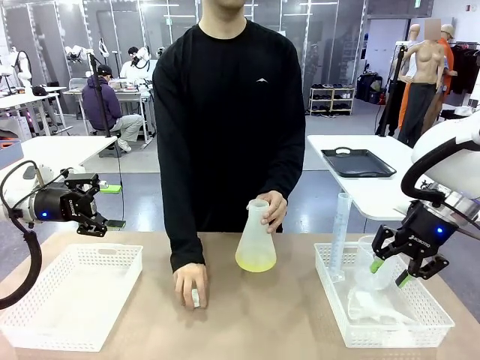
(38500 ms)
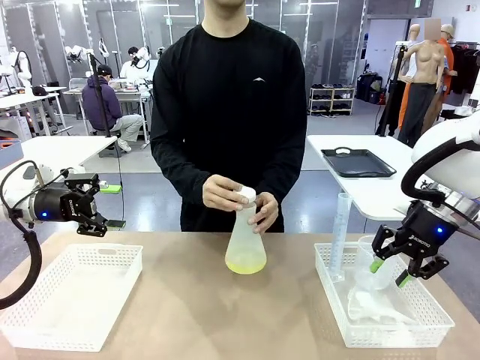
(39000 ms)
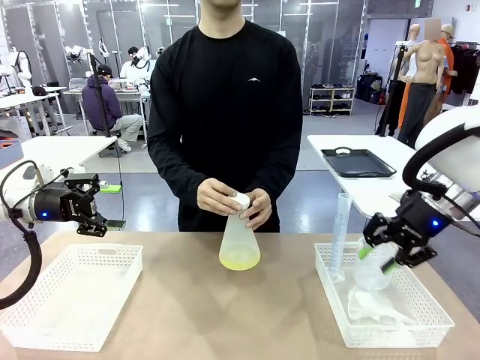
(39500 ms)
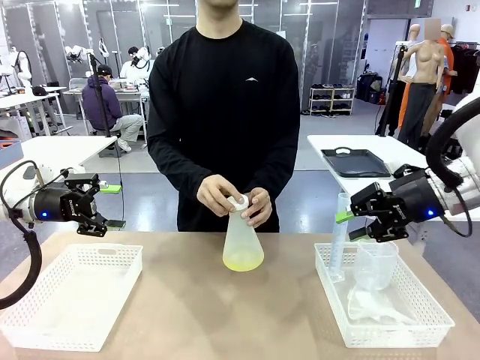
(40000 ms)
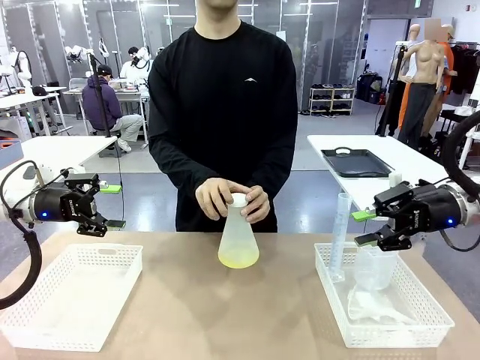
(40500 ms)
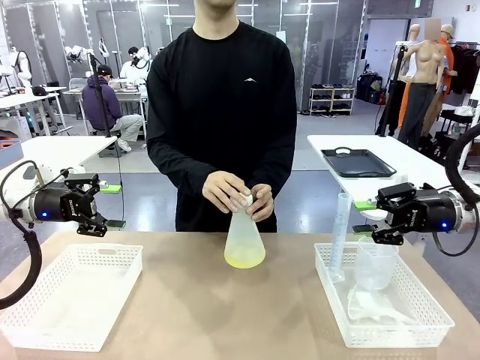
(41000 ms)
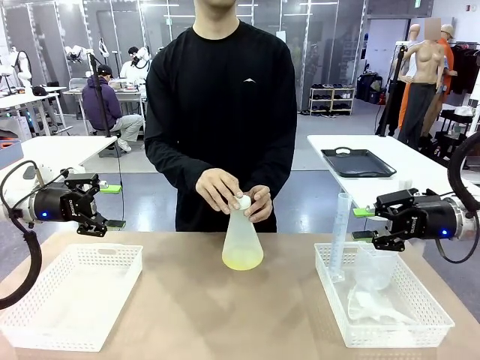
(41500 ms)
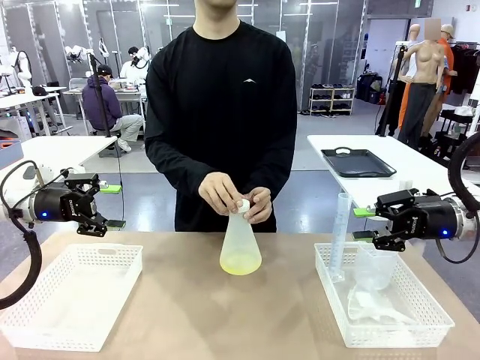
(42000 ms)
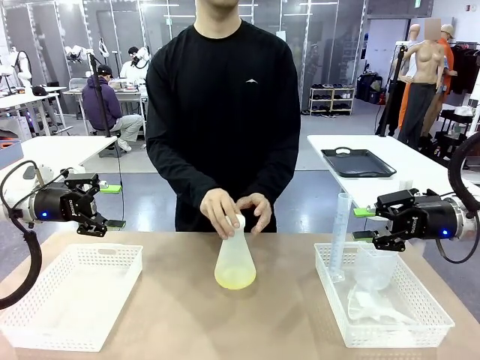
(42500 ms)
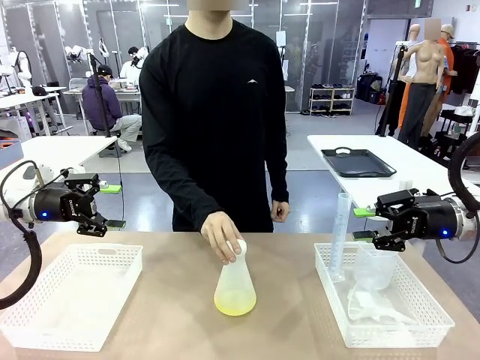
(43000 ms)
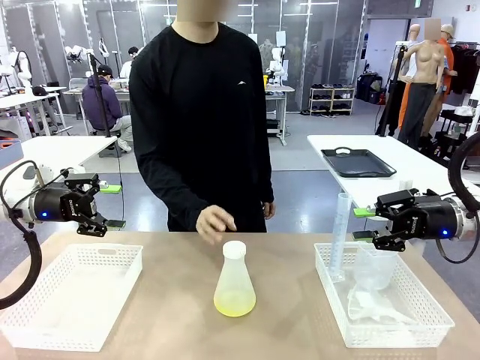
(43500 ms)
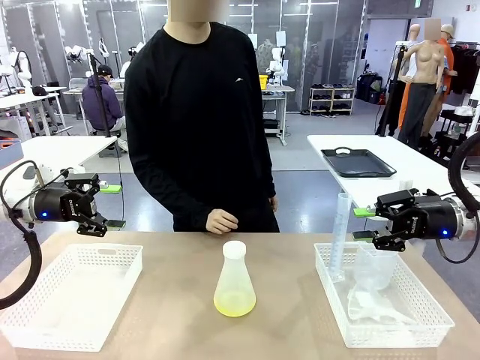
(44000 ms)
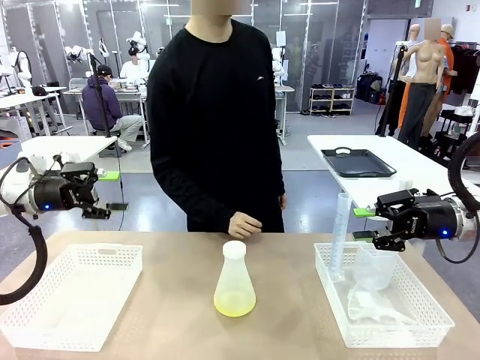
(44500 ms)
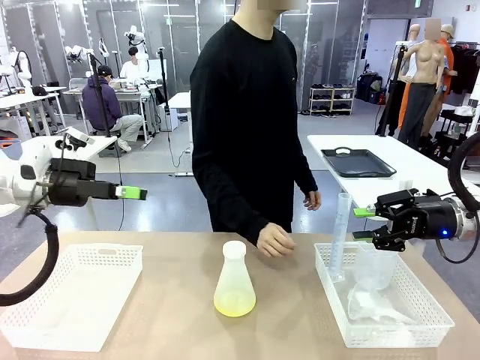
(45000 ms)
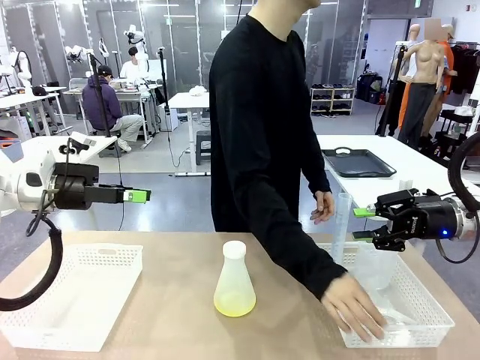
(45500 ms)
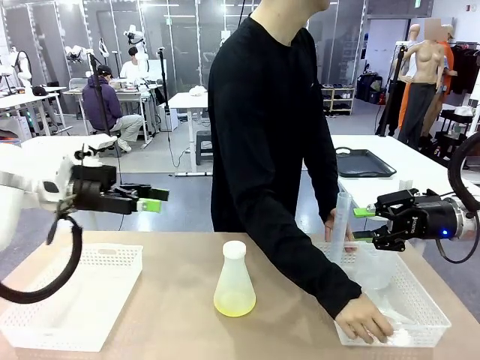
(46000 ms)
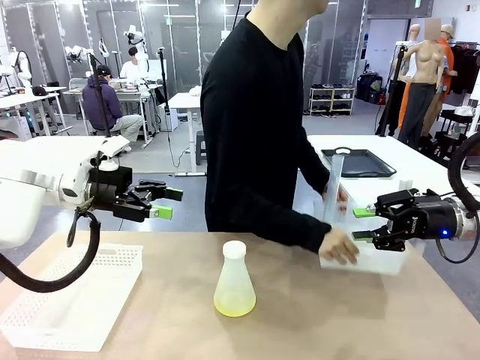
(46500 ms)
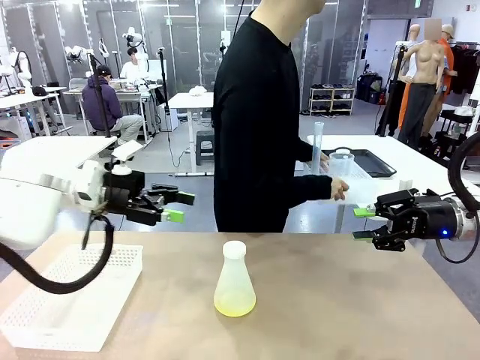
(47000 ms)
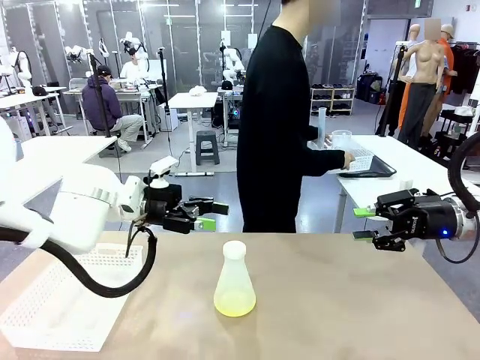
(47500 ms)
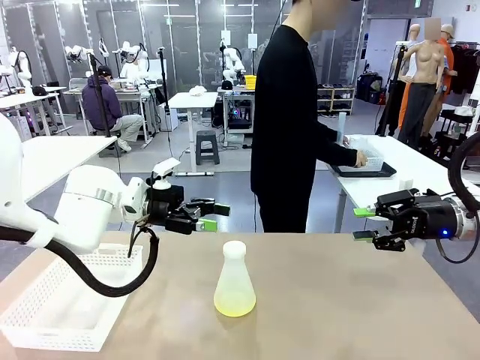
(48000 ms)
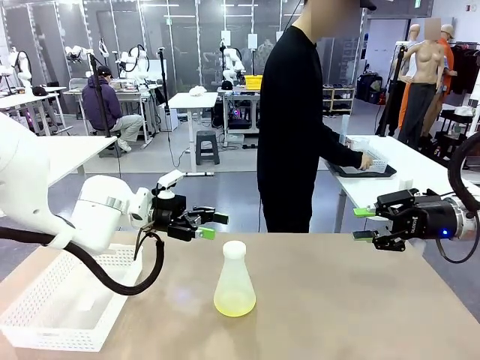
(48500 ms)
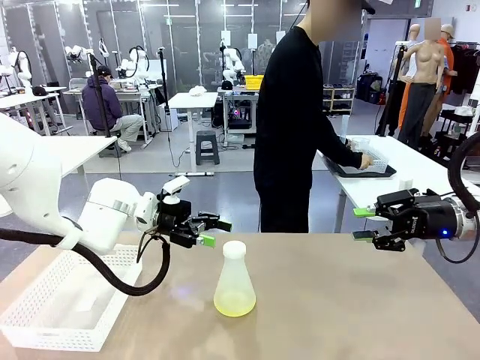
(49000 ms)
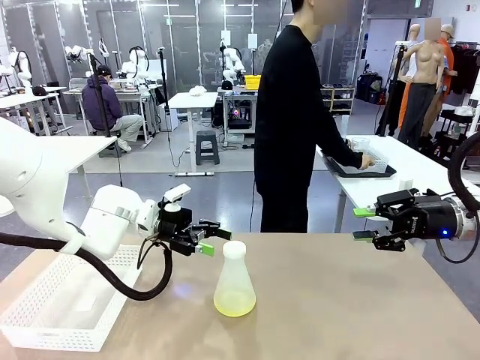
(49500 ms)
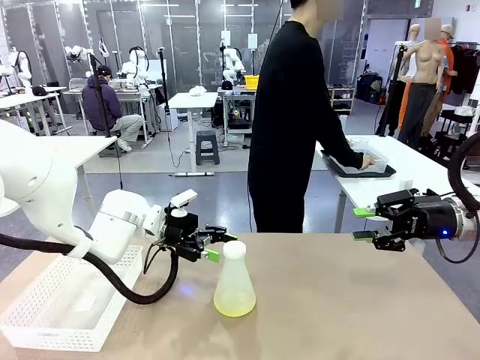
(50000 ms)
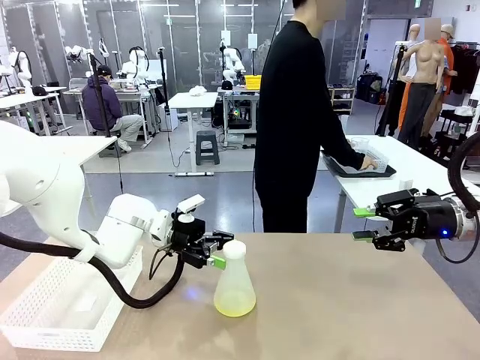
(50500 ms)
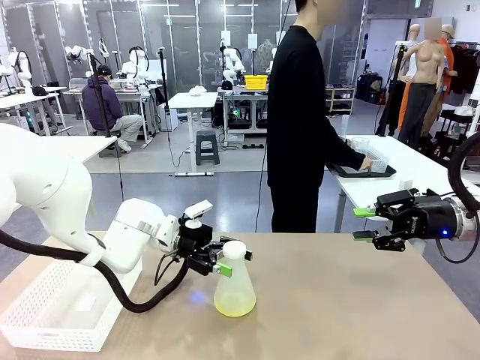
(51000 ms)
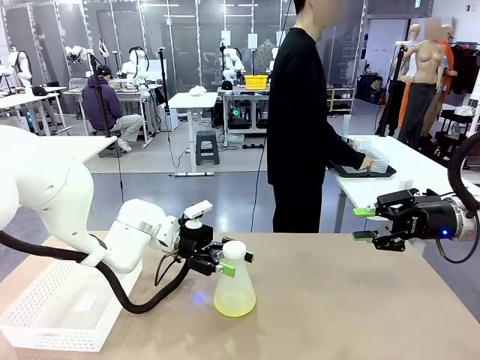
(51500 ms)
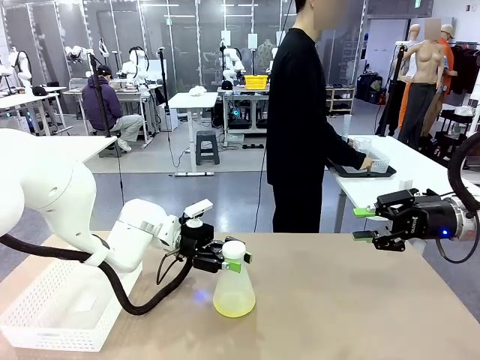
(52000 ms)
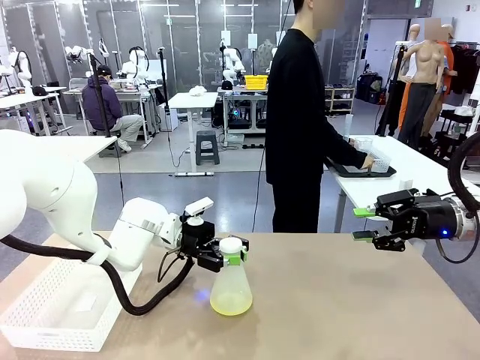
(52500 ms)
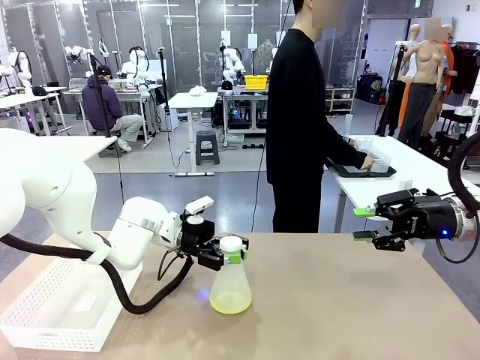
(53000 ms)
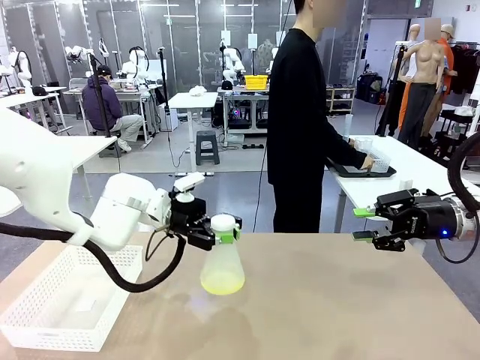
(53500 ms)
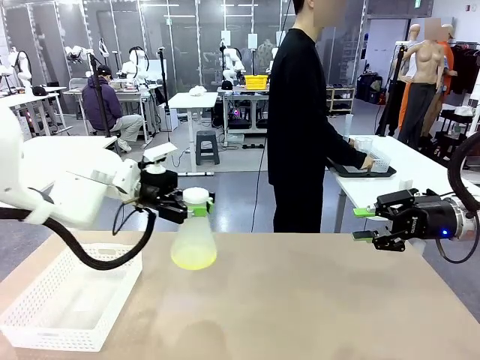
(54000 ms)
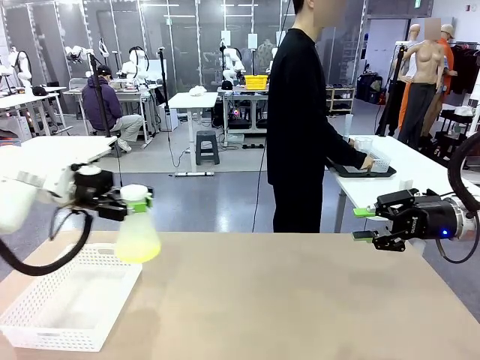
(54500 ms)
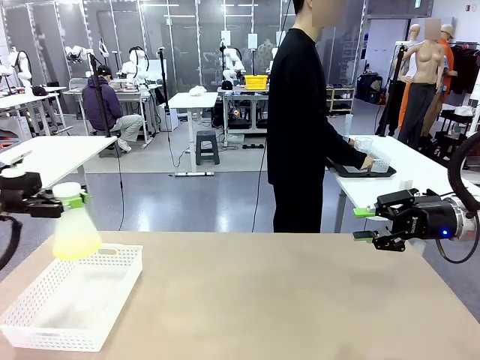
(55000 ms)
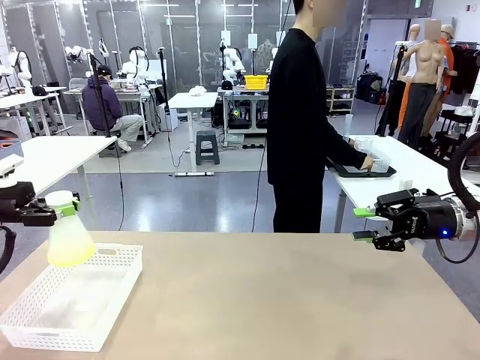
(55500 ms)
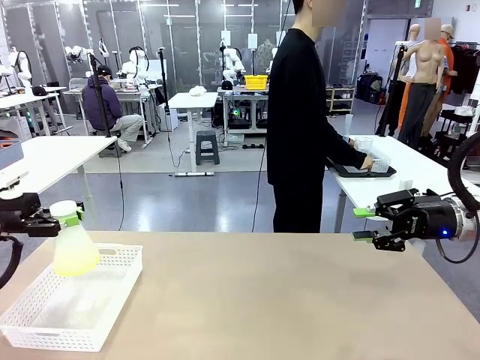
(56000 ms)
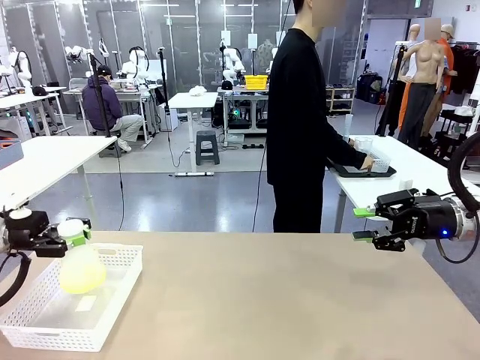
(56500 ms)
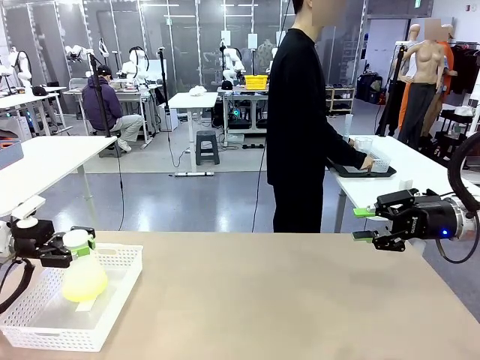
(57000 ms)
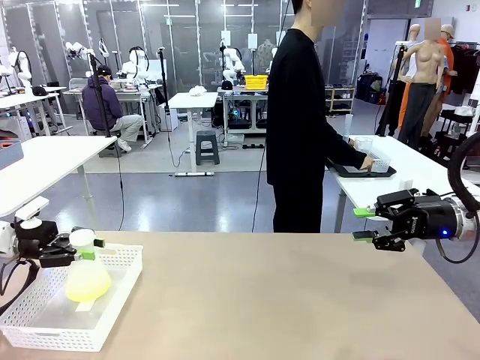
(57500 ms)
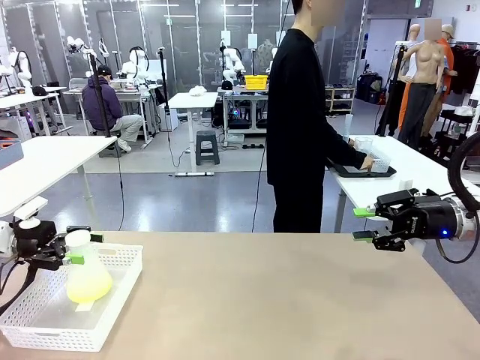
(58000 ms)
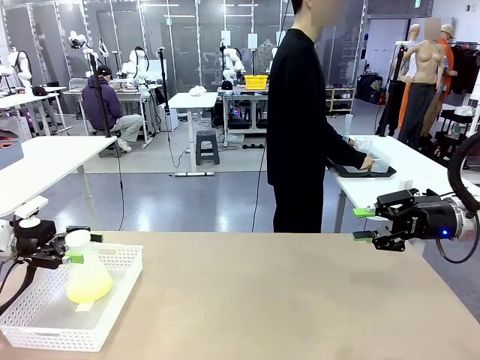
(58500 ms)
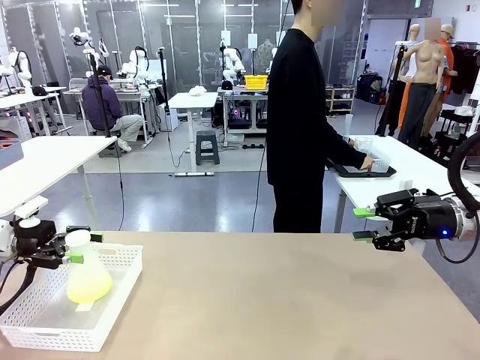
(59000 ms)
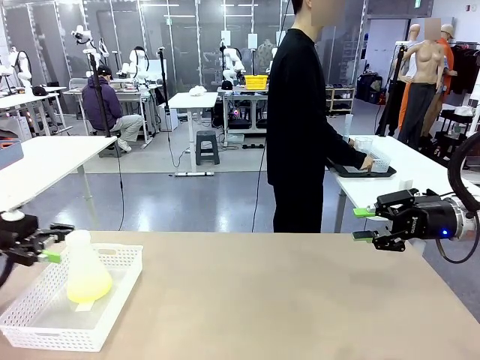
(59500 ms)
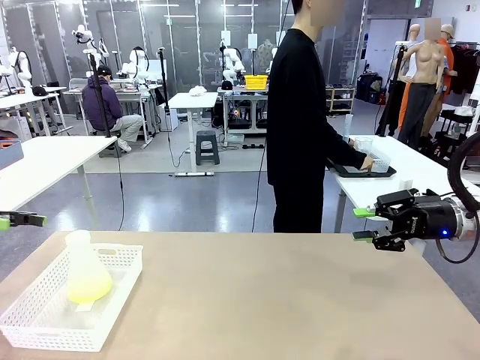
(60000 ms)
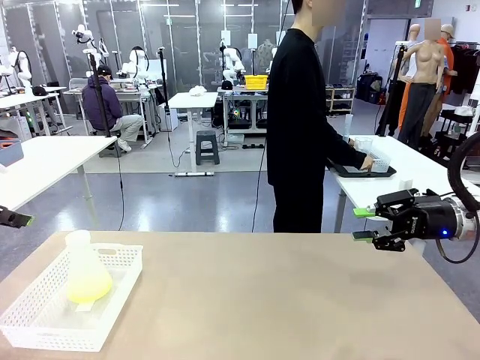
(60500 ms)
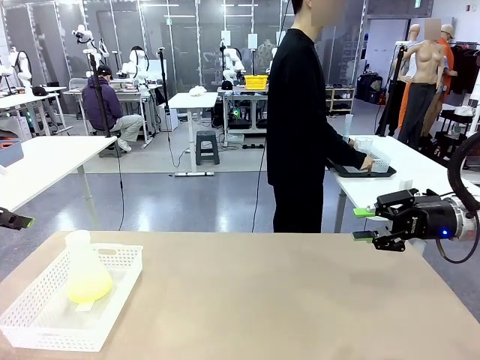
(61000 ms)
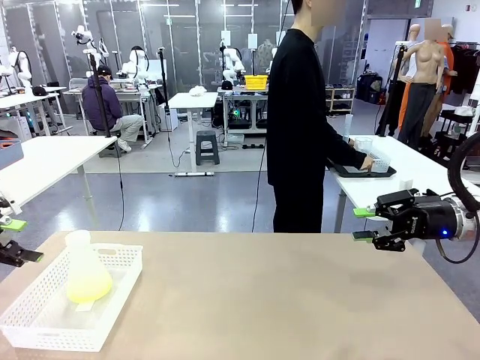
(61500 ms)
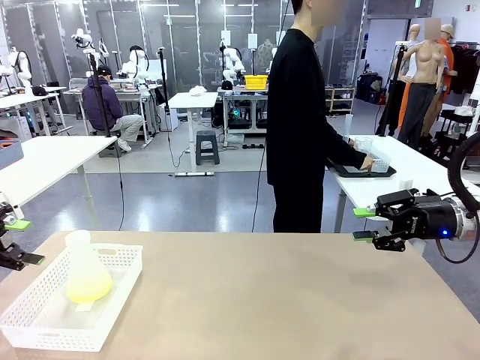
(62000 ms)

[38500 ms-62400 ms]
Task: Prepare the solutions needed for the experiment.
Robot: When the human places the Big flask in the center of the table, pick up the Big flask and place it in the left Organizing basket.
Person: Pick up the organizing basket on the left side of the robot table and place it on the left side of the human table.

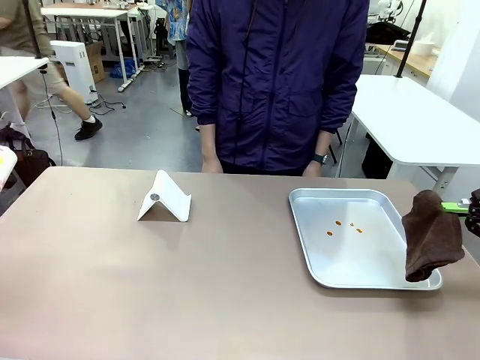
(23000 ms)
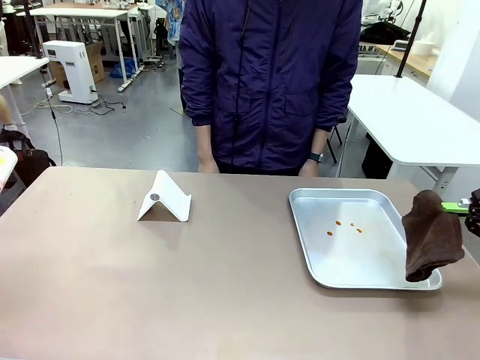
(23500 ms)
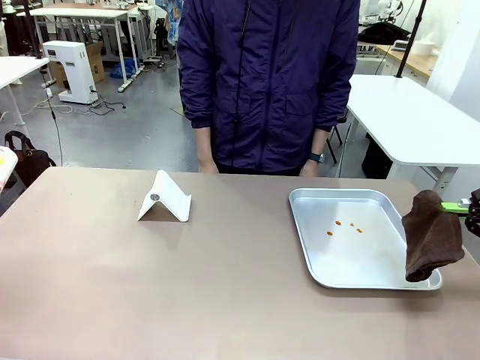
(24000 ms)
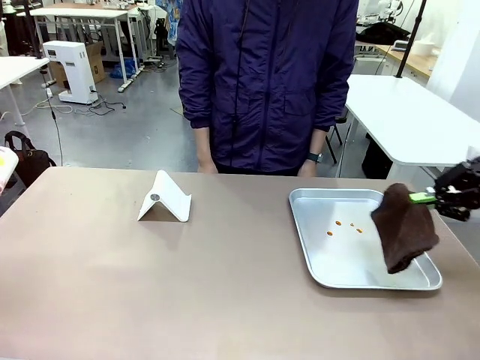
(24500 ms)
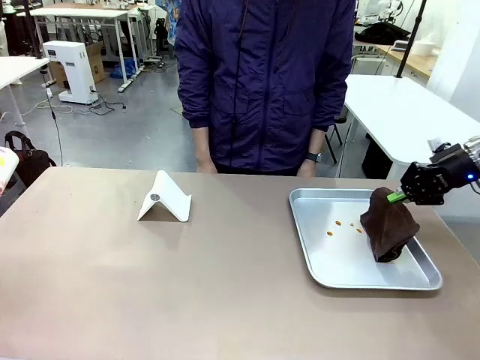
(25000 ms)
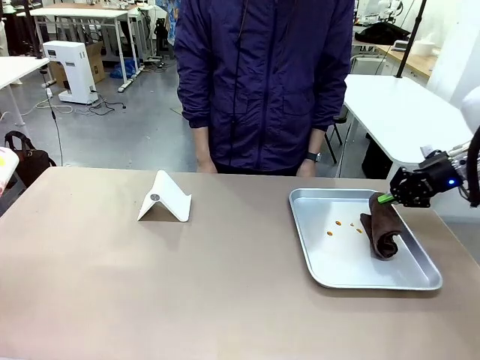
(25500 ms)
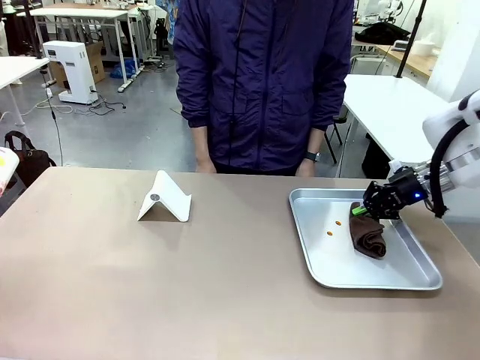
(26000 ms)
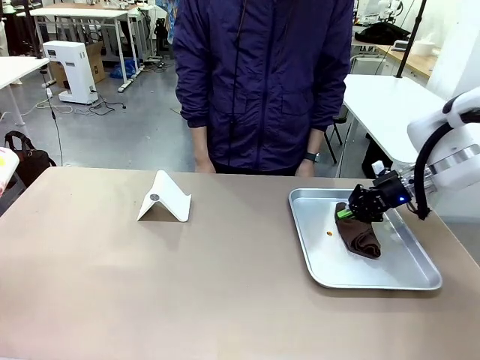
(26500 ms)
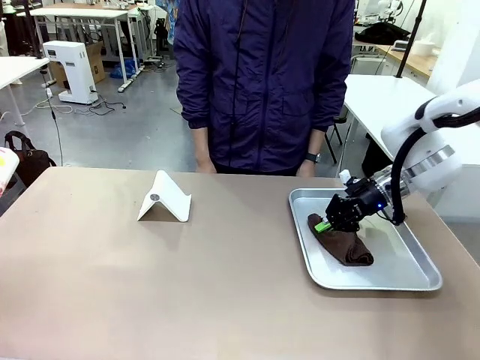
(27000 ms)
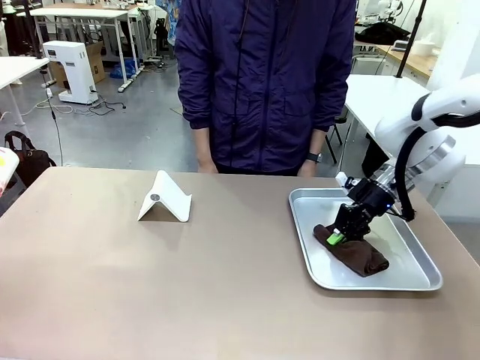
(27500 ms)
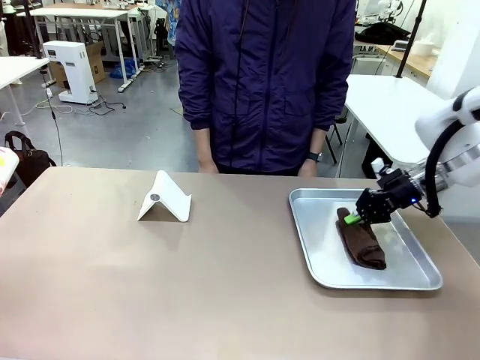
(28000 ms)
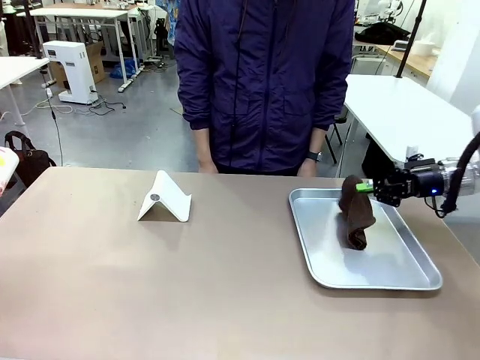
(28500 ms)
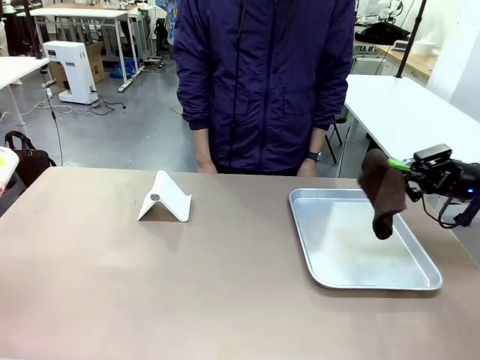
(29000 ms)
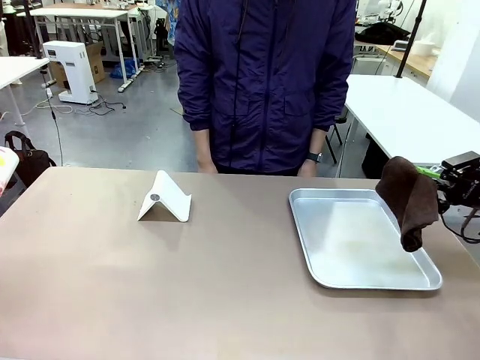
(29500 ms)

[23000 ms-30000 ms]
Task: Clean the surface of the table.
Robot: Clean the area not pointed to by the person.
